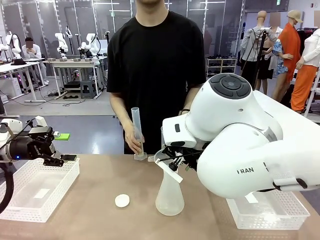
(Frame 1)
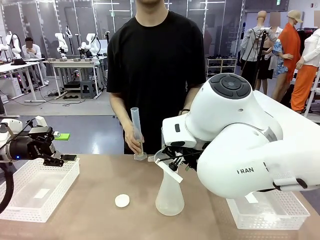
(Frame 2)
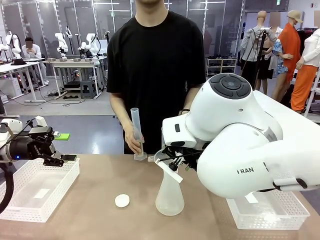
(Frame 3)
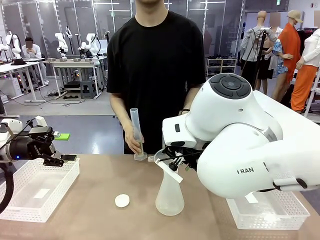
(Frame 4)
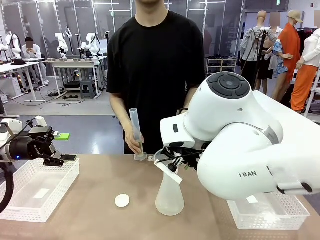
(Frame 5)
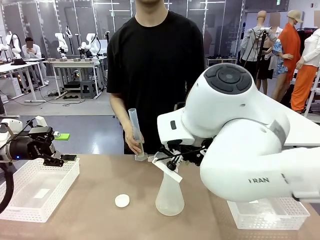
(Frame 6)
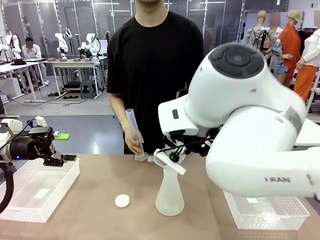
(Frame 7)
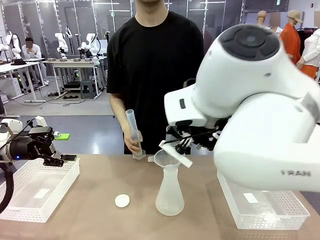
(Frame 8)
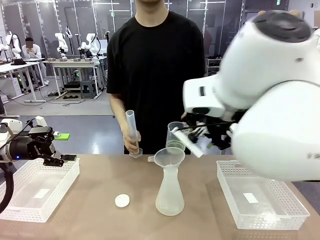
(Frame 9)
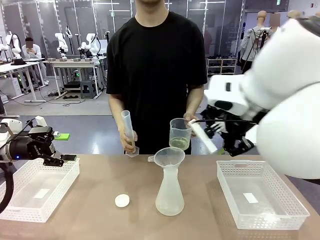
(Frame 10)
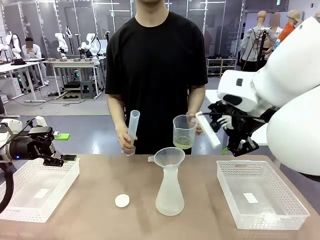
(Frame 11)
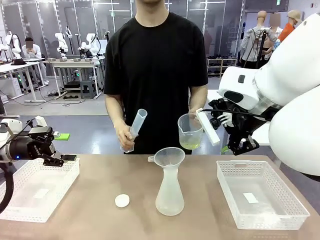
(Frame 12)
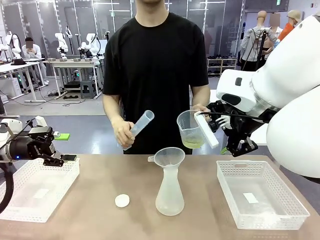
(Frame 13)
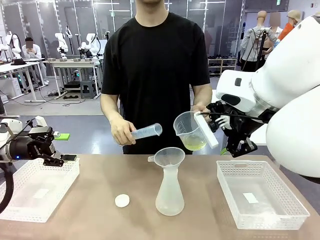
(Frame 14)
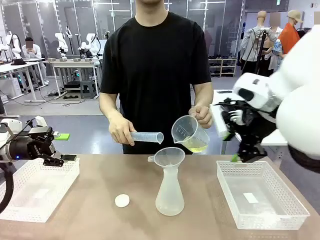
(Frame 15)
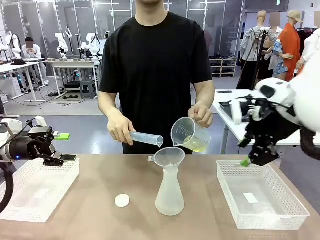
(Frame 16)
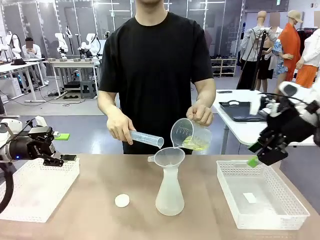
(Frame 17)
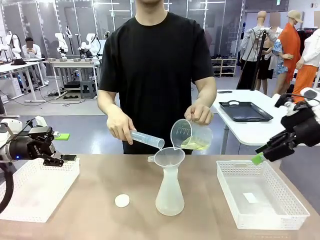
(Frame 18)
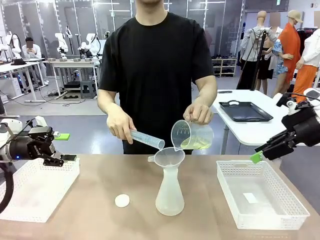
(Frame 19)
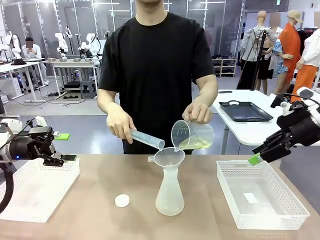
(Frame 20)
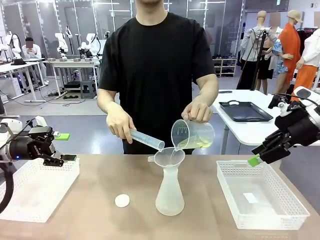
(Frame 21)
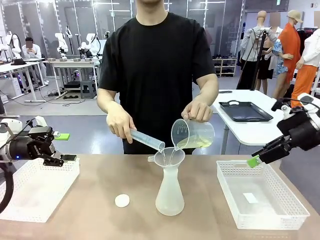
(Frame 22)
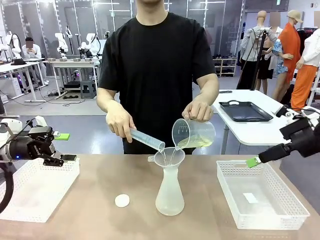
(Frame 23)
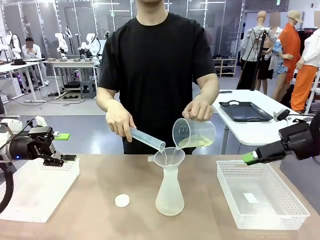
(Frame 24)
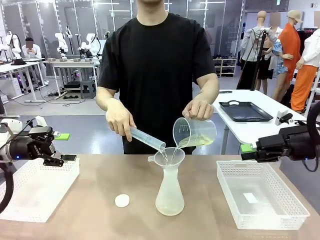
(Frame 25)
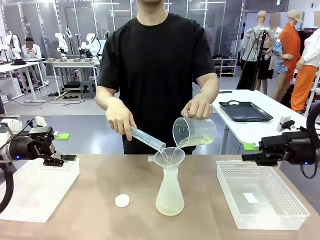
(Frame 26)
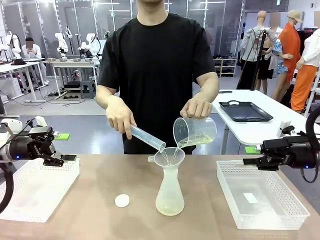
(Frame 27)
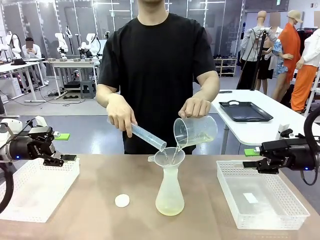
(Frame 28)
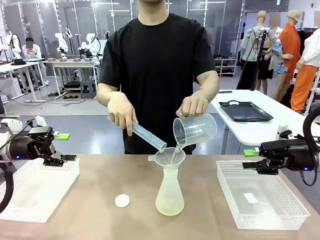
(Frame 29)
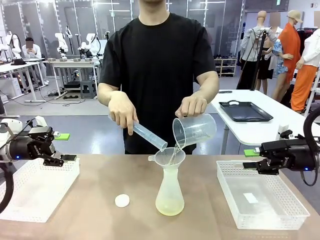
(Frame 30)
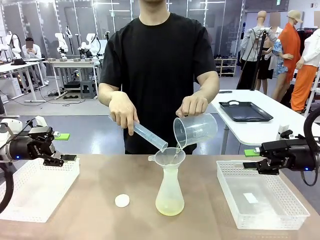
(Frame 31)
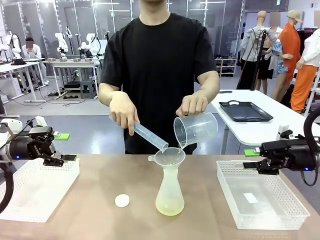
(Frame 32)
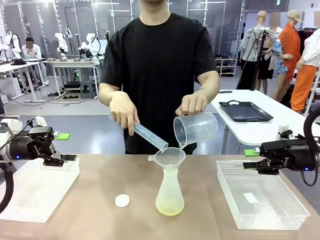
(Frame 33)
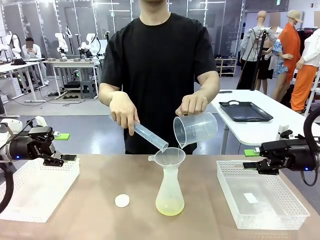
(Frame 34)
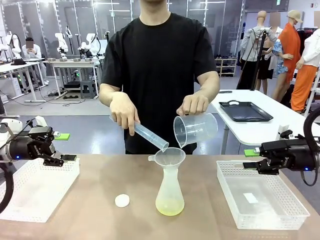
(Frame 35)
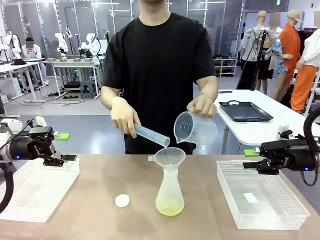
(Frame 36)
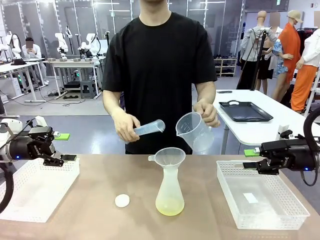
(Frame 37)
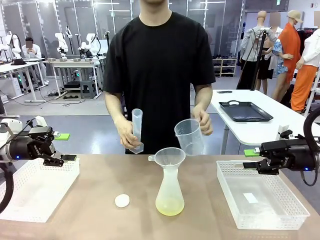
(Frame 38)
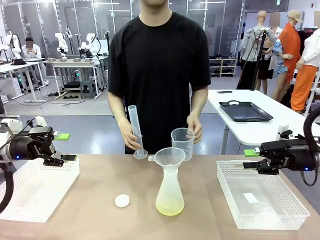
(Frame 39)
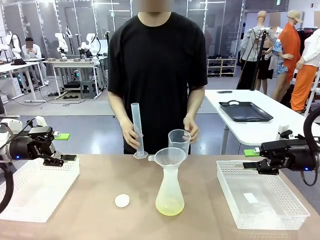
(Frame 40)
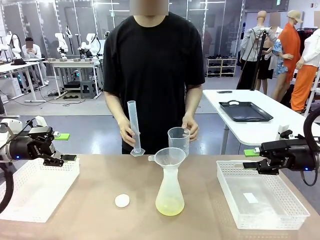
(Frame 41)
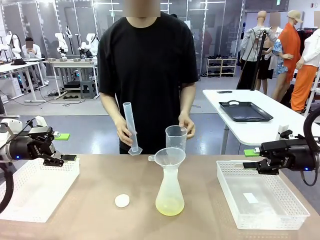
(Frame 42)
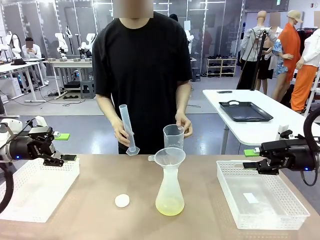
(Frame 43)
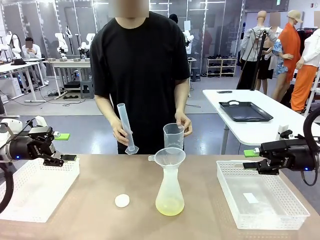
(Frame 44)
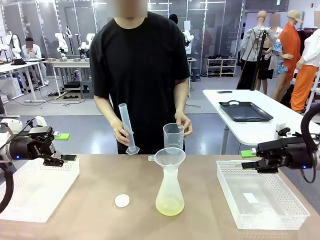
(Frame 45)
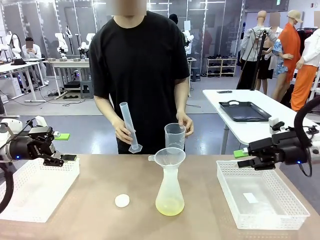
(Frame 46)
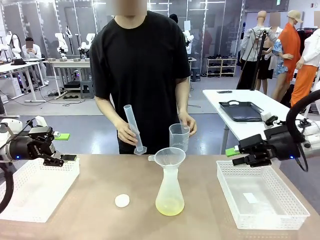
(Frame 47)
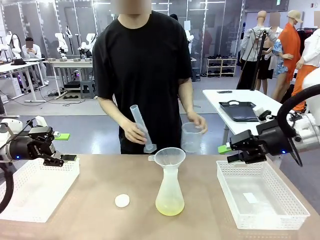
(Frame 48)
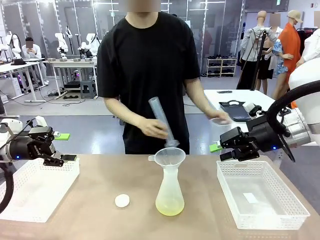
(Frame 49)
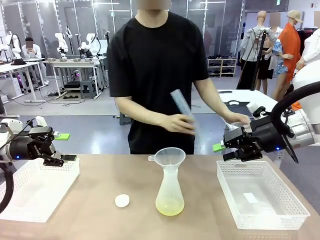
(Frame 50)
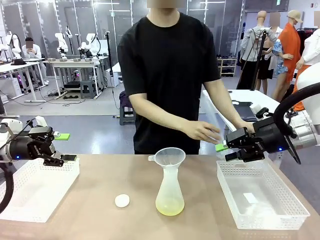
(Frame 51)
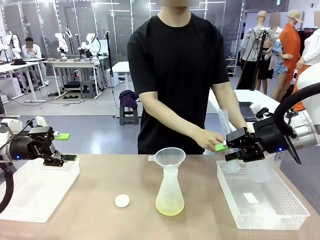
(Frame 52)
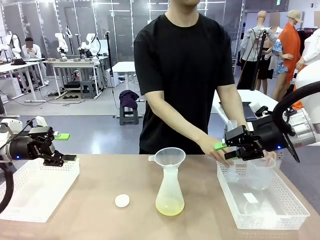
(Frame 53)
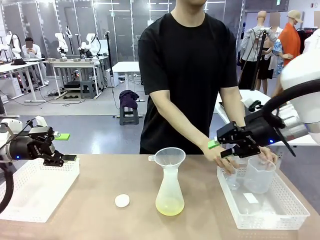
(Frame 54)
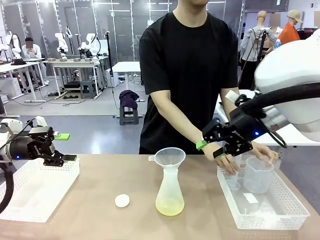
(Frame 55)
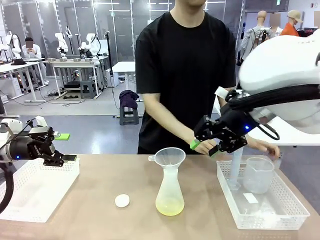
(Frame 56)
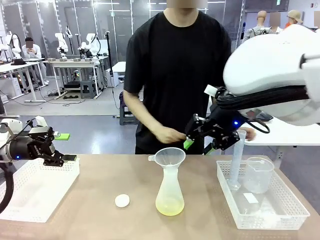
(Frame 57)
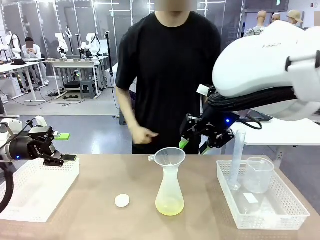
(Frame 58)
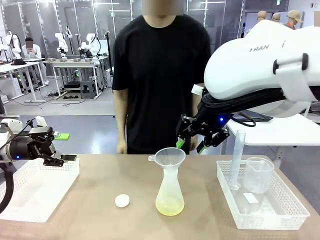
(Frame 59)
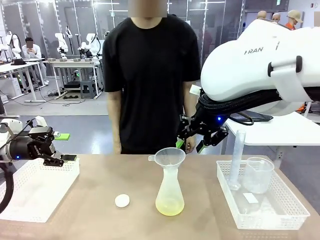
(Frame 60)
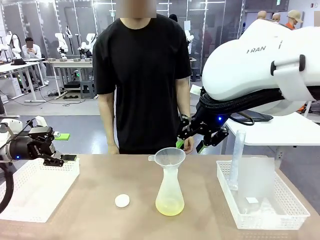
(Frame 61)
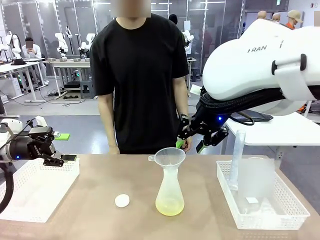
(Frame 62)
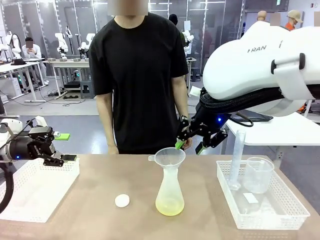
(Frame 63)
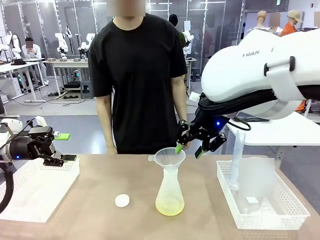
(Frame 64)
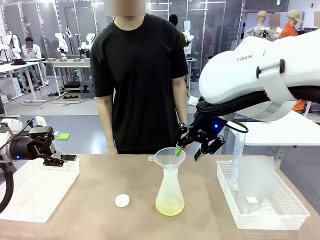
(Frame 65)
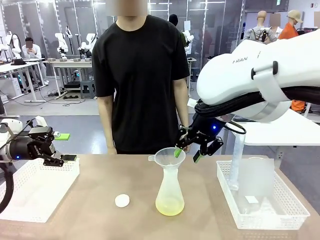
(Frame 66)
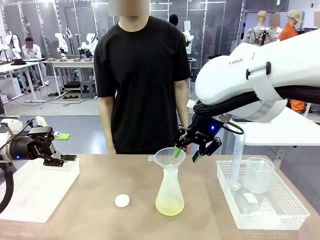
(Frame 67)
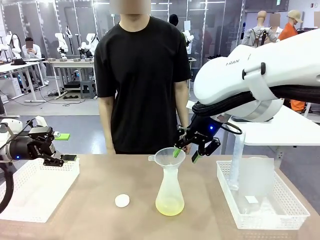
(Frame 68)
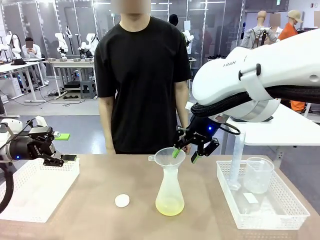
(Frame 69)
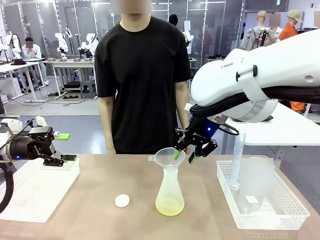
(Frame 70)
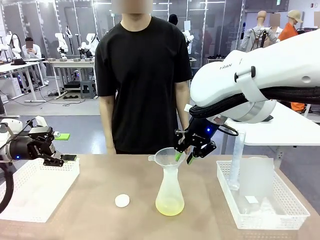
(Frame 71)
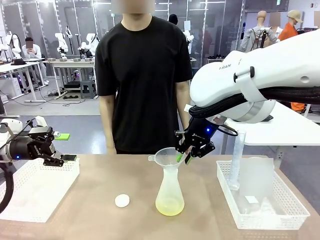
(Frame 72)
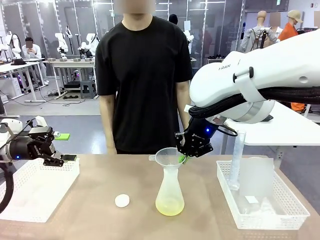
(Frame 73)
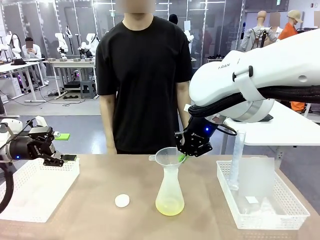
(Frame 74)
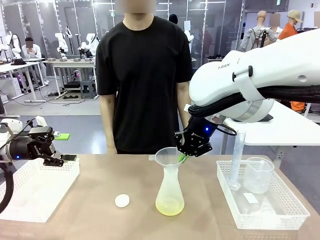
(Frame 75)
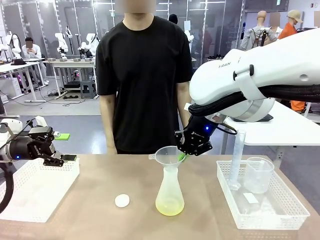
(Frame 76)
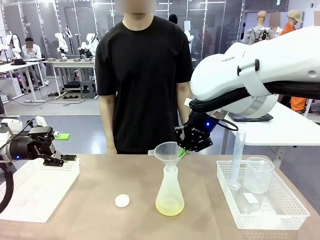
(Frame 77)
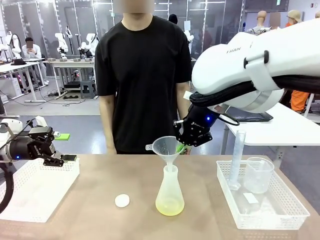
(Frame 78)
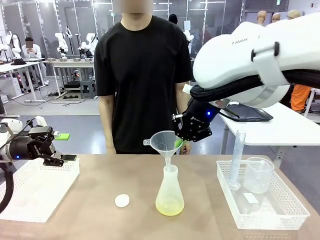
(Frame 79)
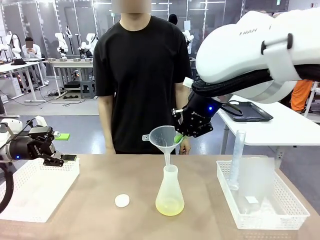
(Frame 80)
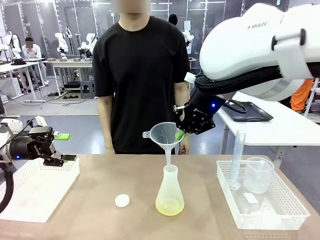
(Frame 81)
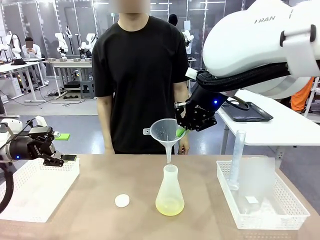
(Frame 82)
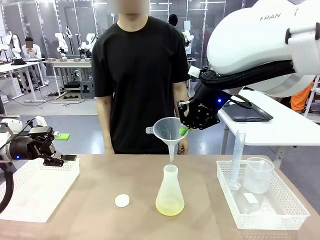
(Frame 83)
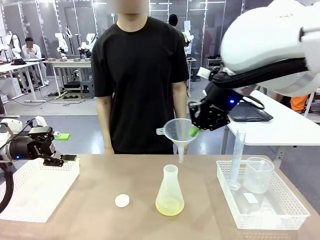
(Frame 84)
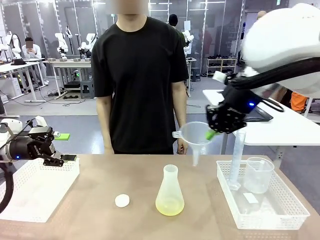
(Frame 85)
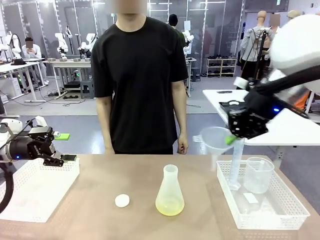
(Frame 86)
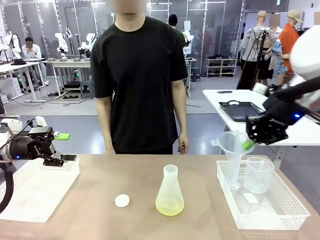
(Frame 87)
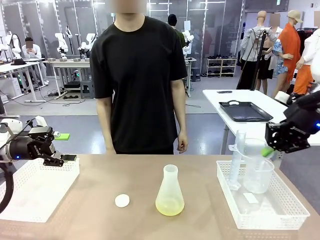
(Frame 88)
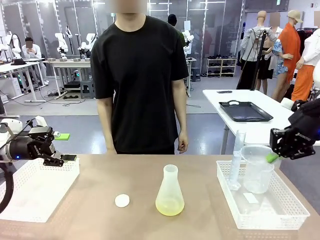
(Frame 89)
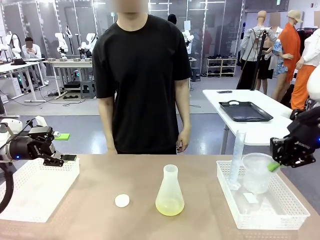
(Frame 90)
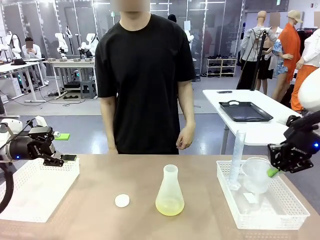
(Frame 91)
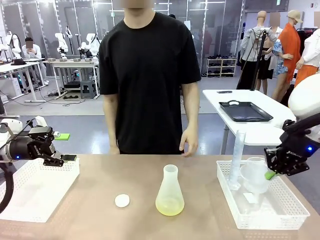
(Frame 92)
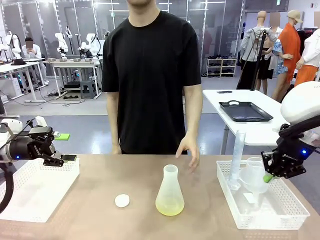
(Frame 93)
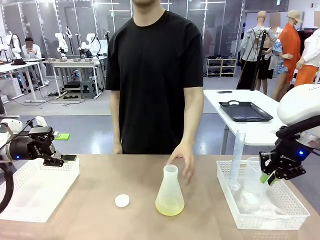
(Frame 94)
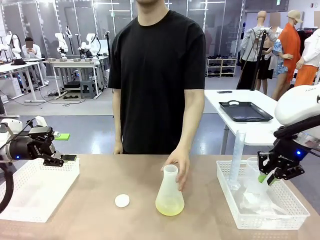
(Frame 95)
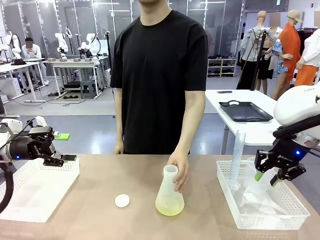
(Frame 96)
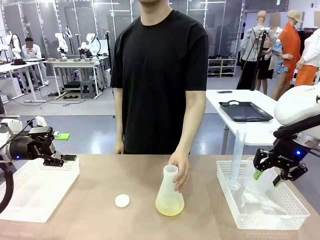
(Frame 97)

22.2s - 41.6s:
Task: Prepare the solutions needed for the experiment.
Robot: Once the solution is in the Big flask , pick up the Plastic Funnel and place it back into the right Organizing basket.
Person: Place the beaker and the cylinder into the organizing basket on the left side. Pick up the flask, gently shake it 2–3 times, place it in the middle of the robot table, and close the lid.
